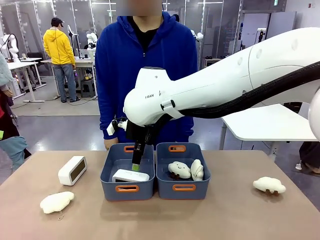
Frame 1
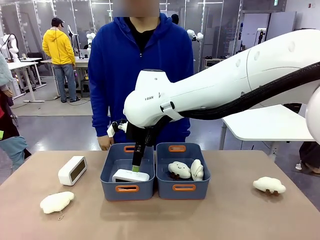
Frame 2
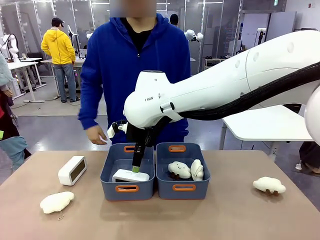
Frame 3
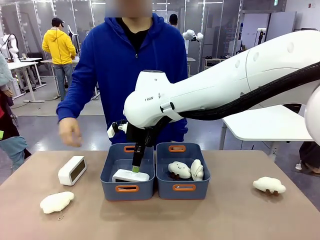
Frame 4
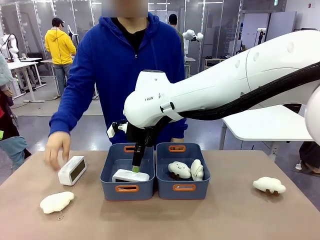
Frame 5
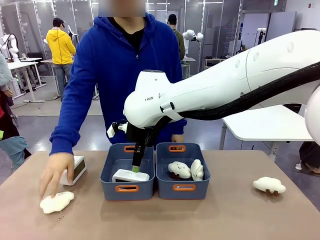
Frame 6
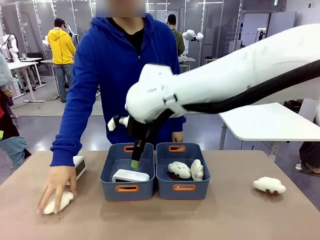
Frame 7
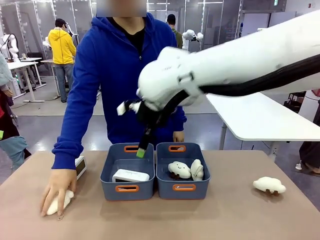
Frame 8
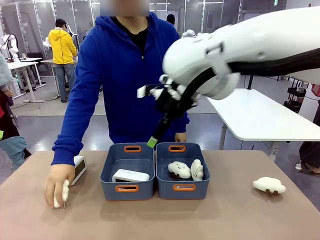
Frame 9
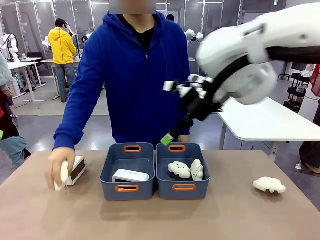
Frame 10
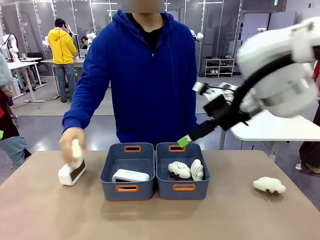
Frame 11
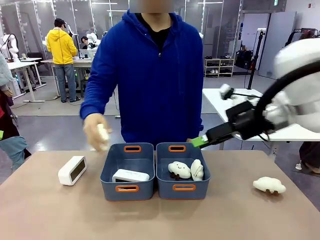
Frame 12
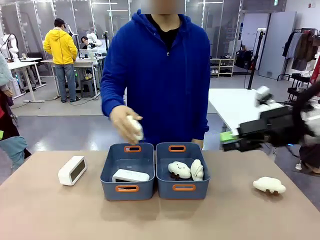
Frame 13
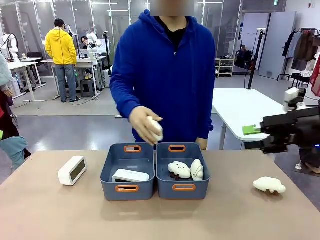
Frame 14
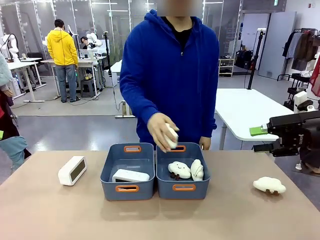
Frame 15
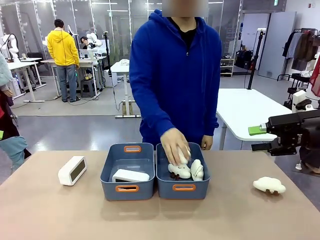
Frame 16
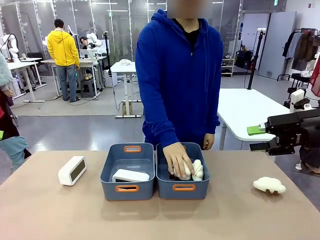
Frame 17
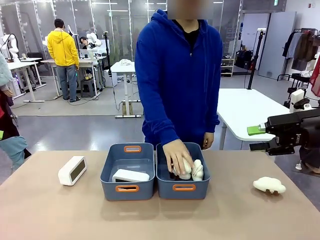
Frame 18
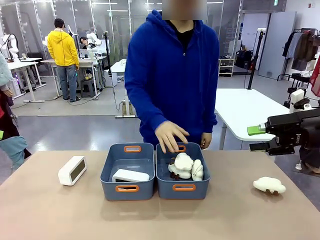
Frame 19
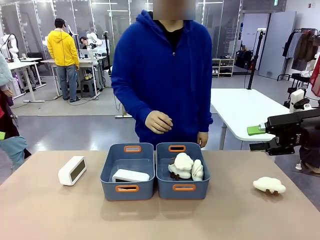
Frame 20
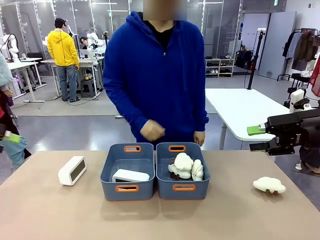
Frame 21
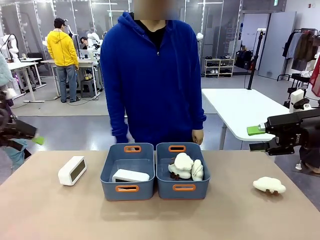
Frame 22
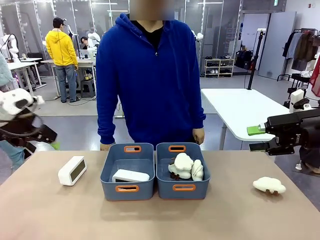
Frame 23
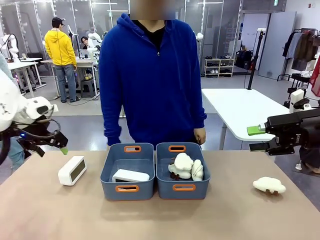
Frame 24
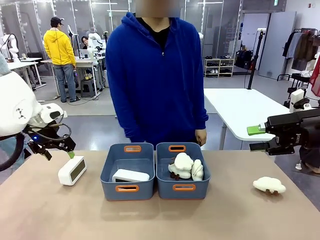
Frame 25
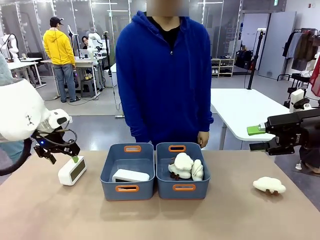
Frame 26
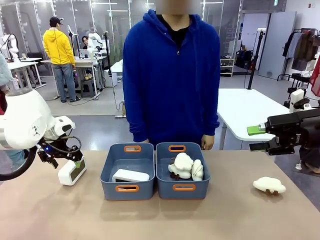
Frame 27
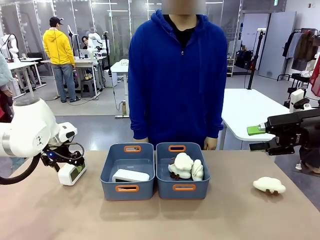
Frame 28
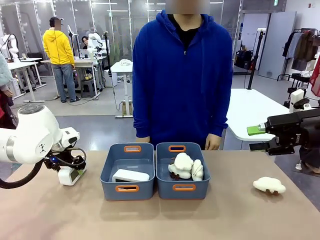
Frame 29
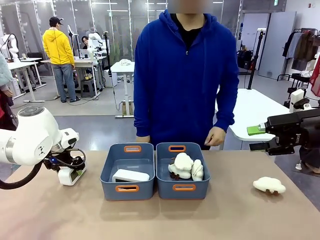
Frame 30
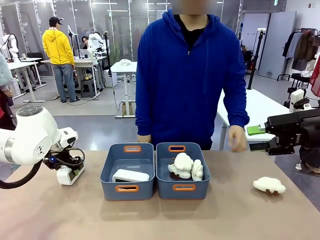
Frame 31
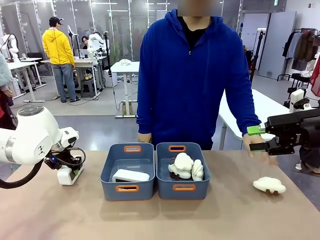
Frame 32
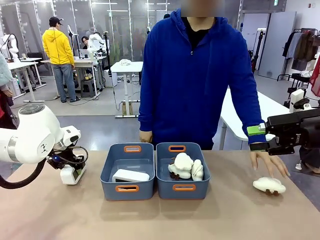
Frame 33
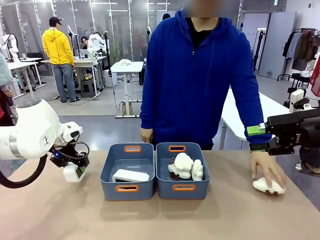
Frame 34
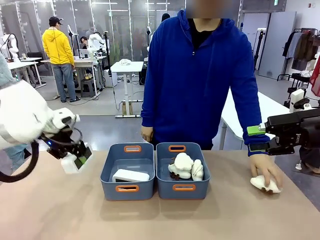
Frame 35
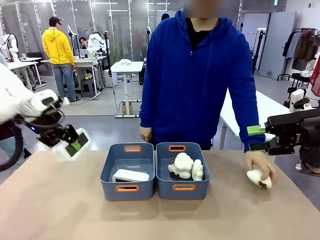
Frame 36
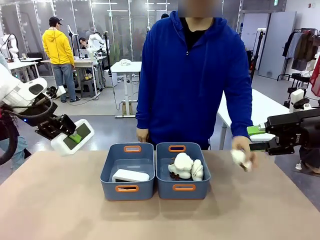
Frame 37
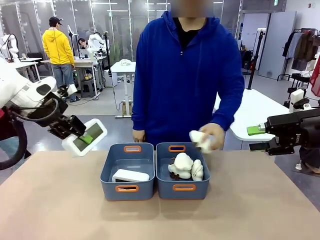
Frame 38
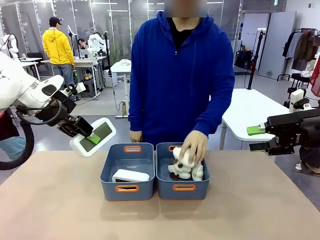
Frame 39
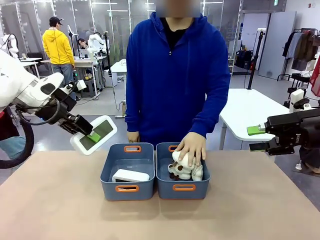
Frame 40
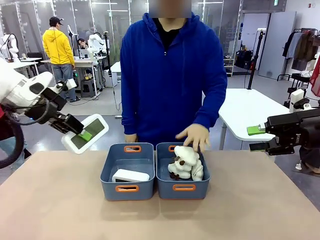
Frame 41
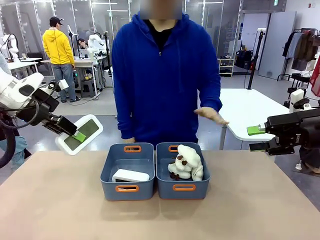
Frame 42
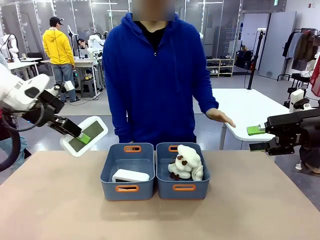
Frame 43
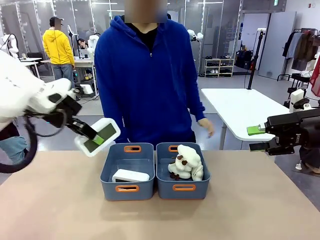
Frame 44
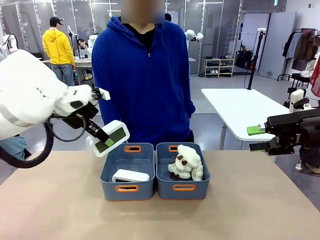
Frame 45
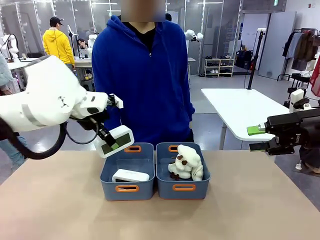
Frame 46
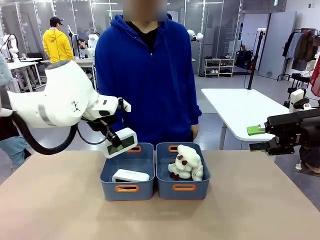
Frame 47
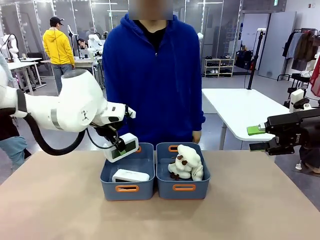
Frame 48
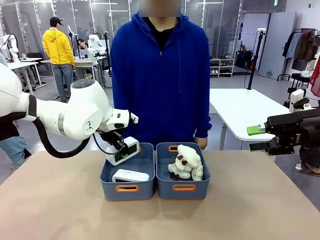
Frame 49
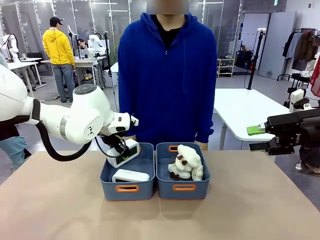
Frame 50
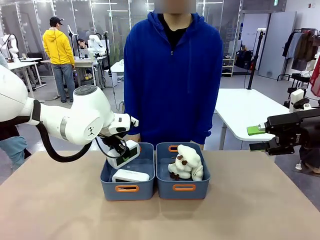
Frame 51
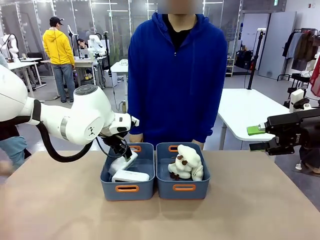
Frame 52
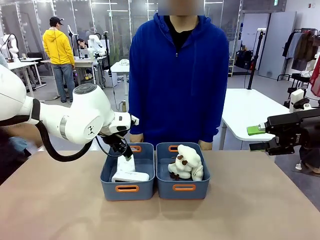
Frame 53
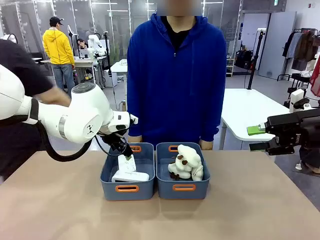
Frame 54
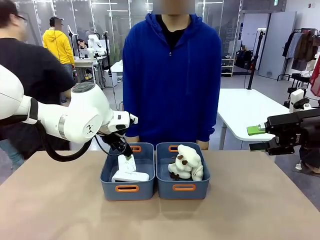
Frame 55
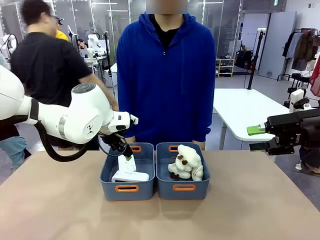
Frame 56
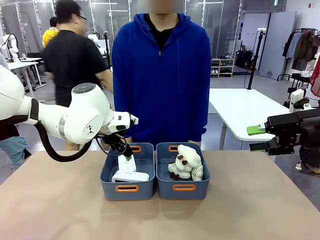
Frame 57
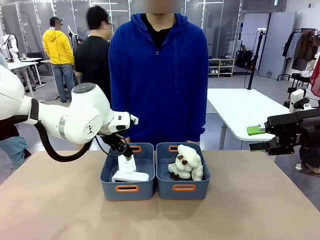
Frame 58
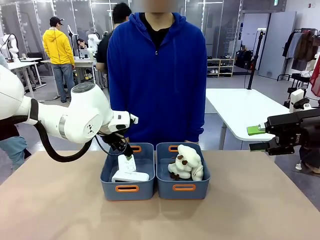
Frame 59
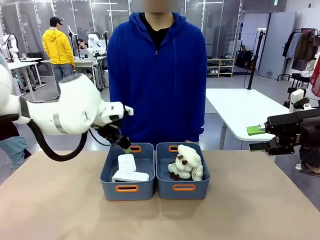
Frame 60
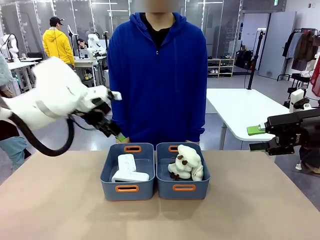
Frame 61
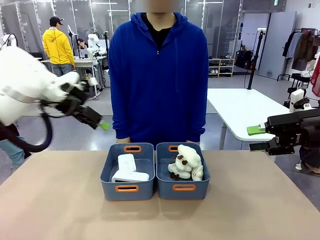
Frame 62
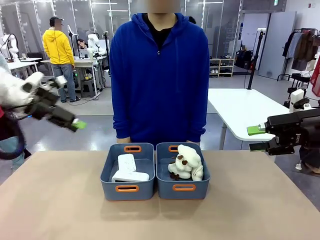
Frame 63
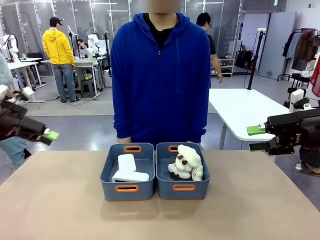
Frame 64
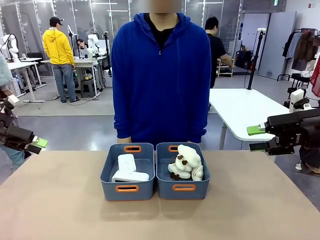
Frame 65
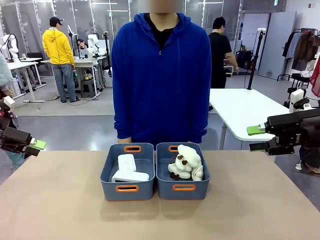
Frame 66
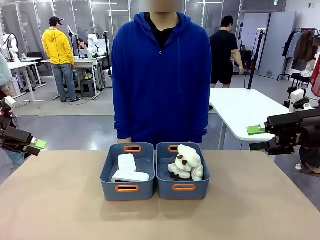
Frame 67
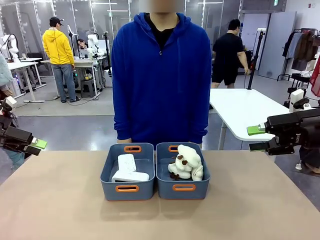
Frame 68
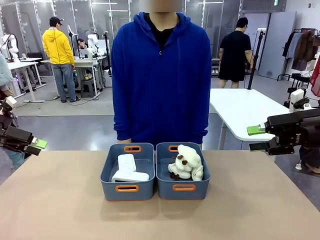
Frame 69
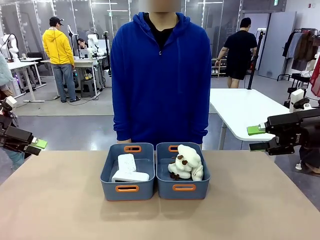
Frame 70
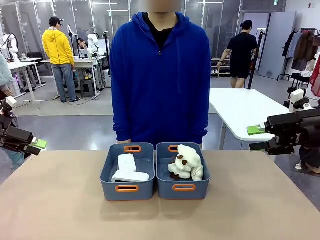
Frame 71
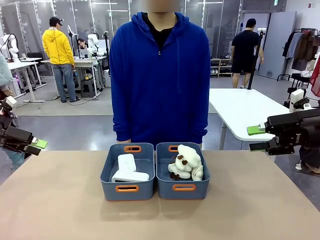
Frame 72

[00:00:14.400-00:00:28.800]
Task: Sort the digital clocks into the basket.
Robot: Pick up the Digital clock from the table and place it into the empty Plastic storage basket.
Person: Pick up a plush toy from the table and place it in the plastic storage basket containing the plush toy.
